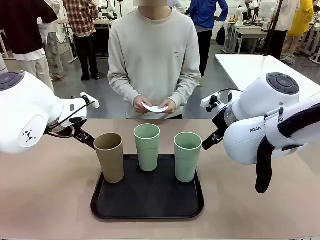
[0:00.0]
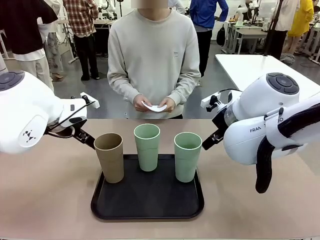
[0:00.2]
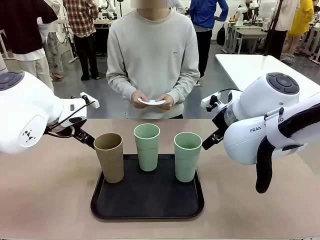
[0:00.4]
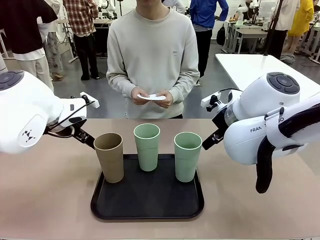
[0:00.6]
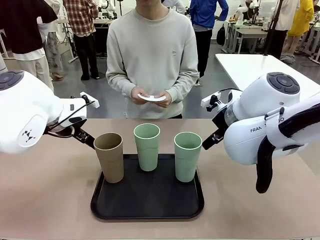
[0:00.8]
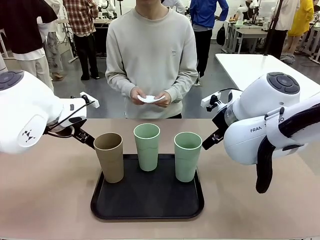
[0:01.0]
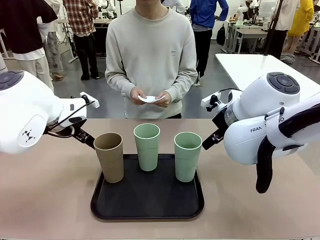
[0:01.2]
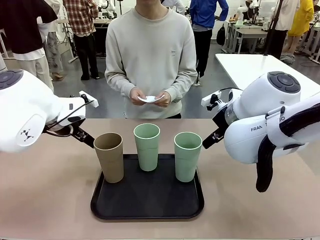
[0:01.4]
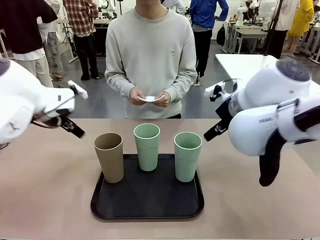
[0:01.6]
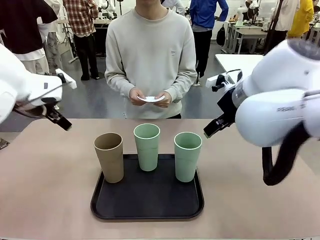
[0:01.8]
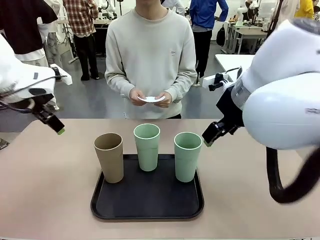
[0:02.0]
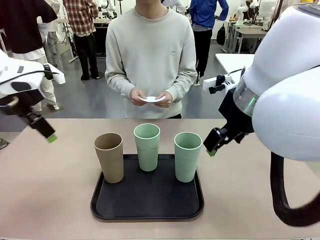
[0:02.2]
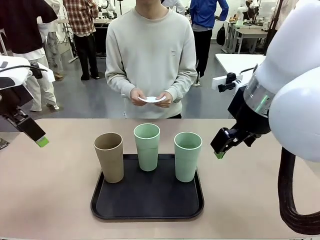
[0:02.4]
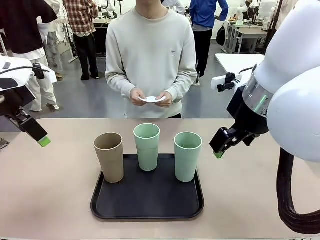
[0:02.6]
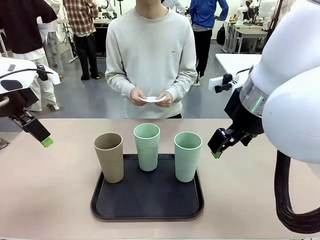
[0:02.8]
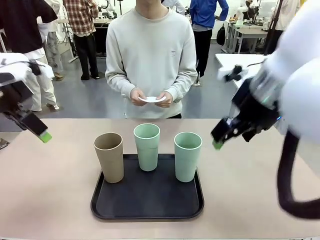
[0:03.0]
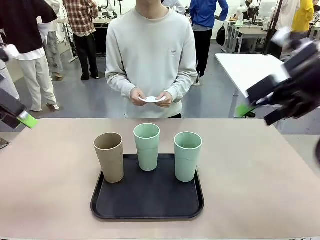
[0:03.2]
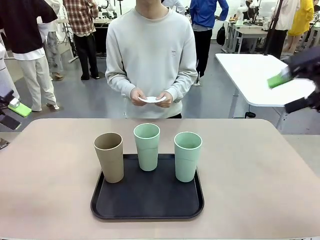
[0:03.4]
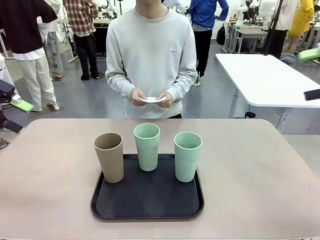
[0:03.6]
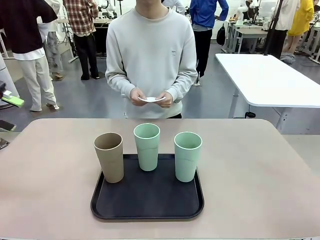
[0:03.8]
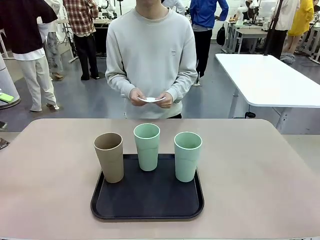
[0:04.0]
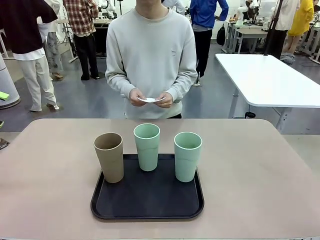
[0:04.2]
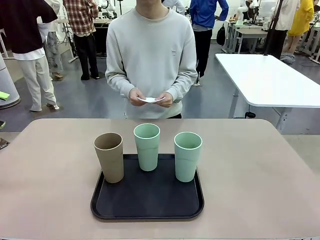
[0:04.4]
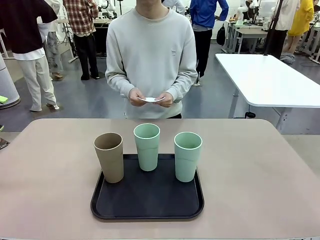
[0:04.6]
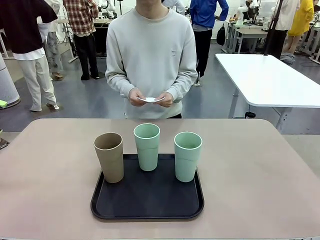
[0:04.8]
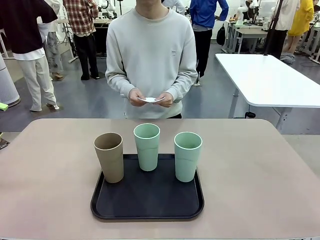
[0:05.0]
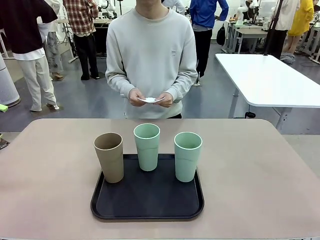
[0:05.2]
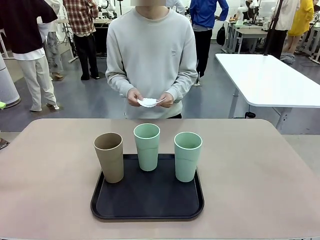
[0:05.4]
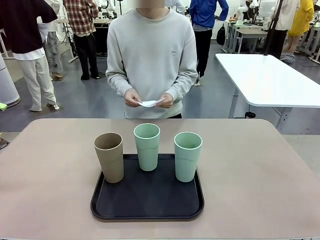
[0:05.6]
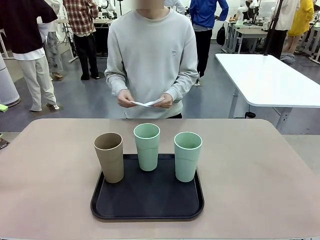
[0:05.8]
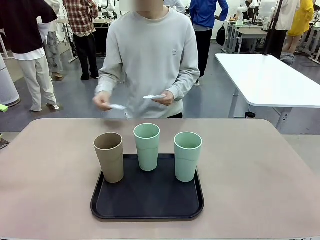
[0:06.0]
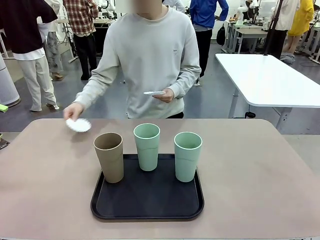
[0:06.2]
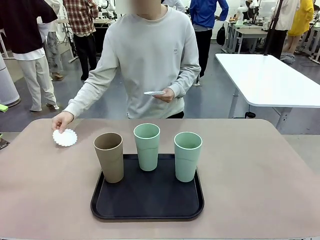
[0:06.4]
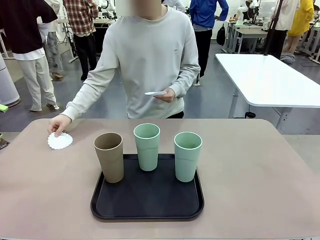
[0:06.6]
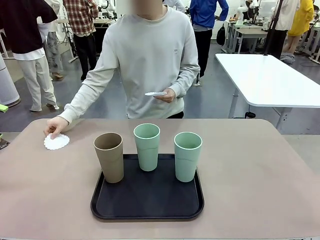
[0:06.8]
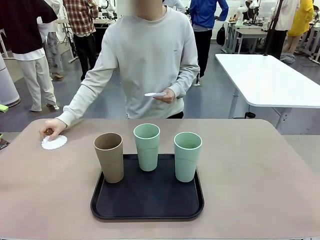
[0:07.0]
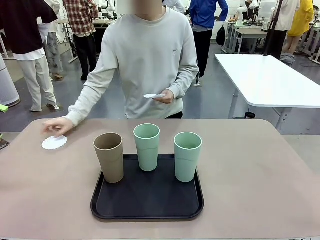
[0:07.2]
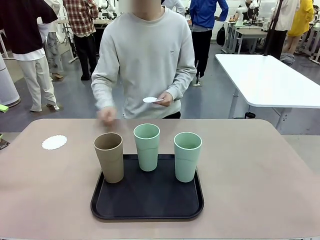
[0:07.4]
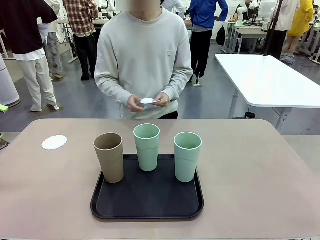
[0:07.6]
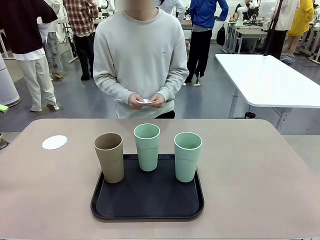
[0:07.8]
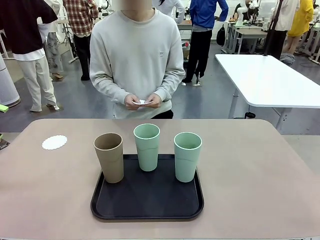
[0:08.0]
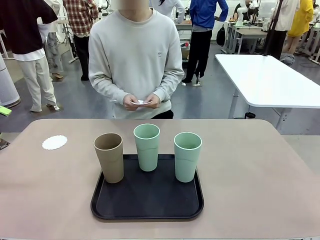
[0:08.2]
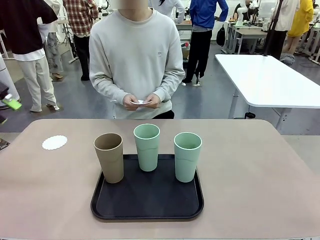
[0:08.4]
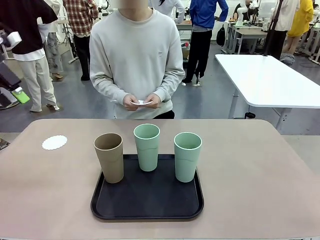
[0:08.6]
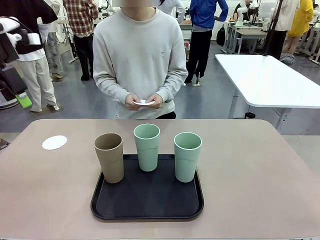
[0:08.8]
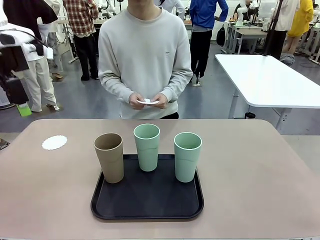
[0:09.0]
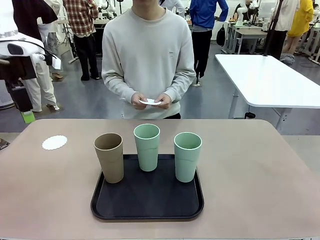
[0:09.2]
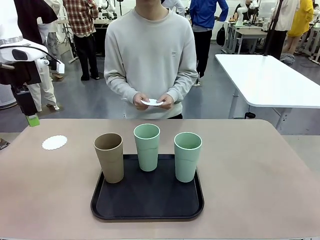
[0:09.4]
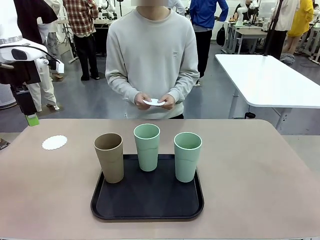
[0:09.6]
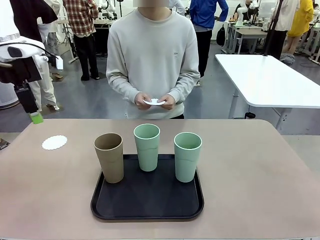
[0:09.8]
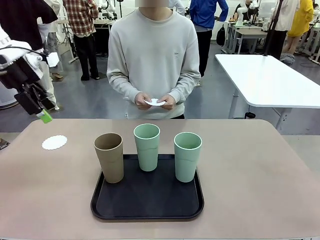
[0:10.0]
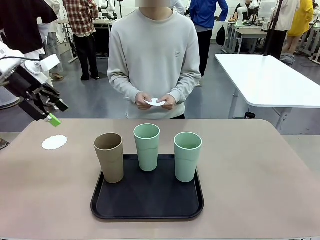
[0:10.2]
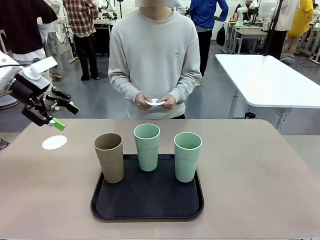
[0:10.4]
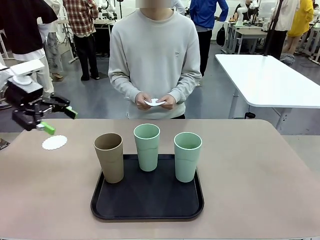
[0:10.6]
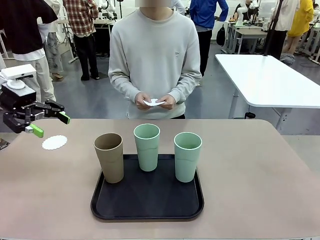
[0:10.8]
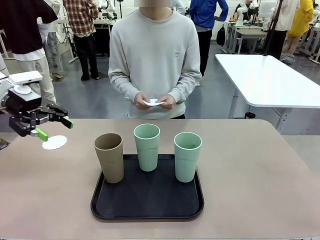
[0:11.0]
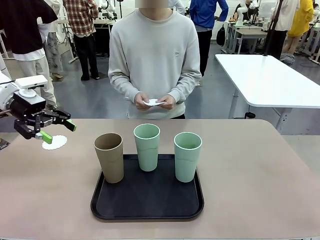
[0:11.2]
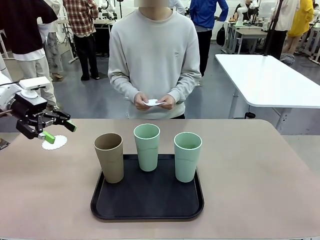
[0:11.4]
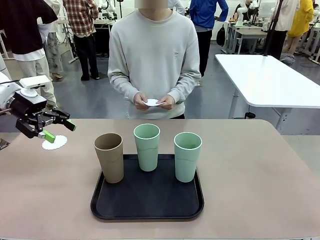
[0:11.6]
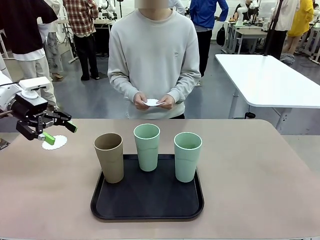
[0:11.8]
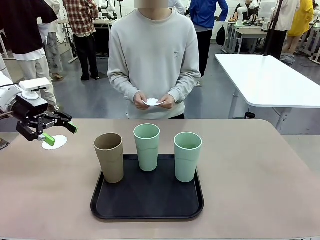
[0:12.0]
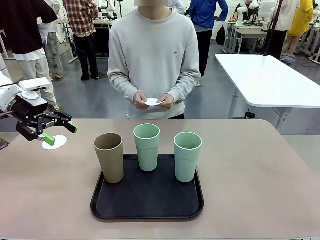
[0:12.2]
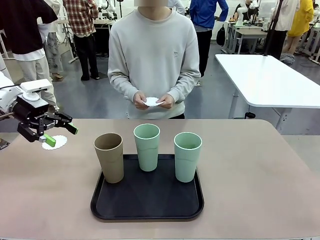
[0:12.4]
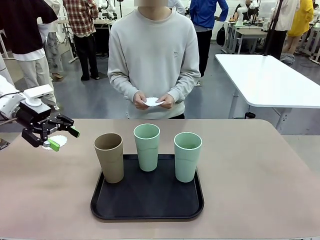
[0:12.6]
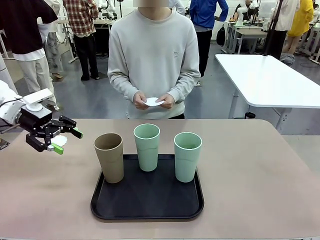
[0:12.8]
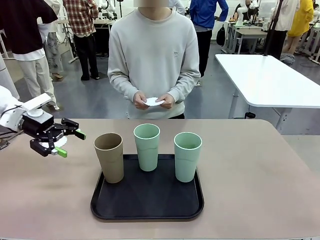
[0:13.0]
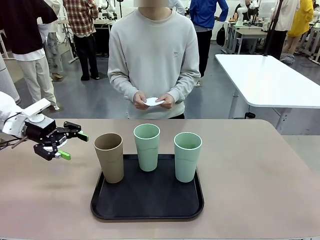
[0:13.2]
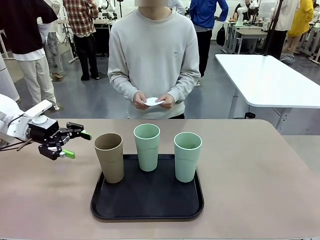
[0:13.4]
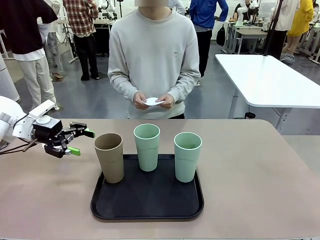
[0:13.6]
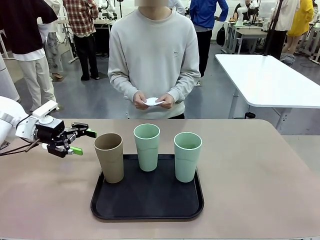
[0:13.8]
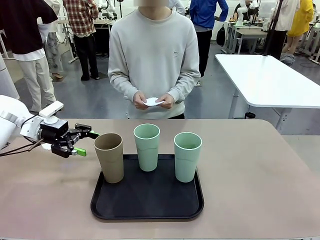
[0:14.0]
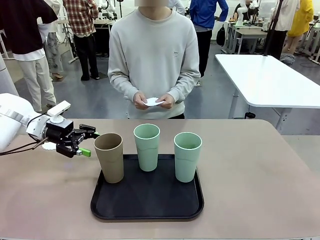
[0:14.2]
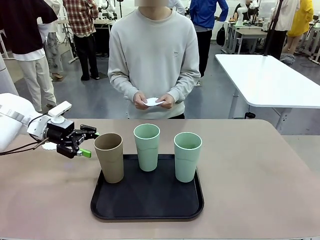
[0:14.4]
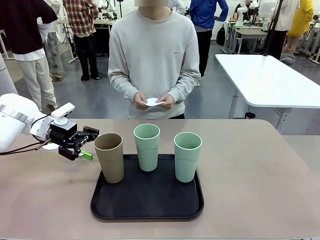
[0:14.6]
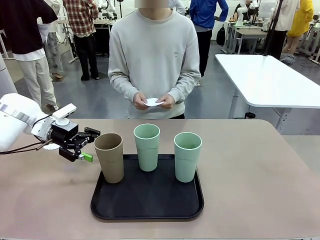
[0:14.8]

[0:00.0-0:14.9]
Task: Place coasters on the table and set cups on them.
Robot: Pick up one Reusable plastic cup and place it on a coaster set by the human.
Person: Place one coaster in any one of the three lower areas of the robot table (left, center, or right).

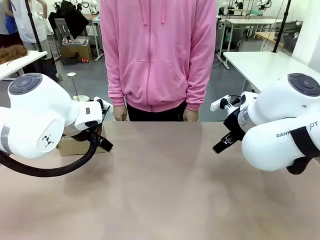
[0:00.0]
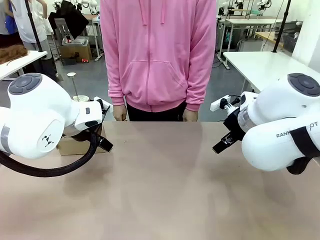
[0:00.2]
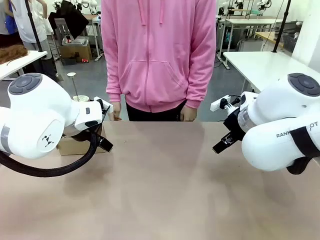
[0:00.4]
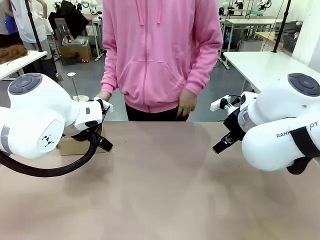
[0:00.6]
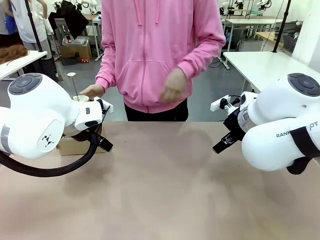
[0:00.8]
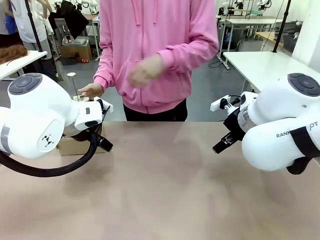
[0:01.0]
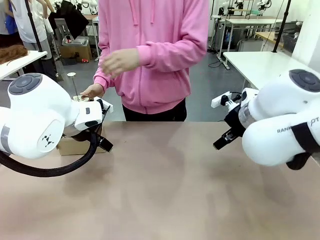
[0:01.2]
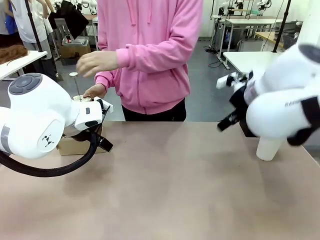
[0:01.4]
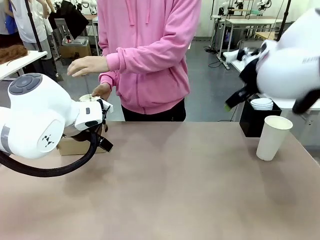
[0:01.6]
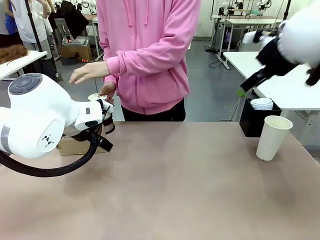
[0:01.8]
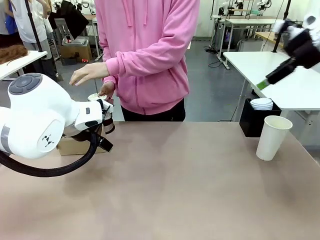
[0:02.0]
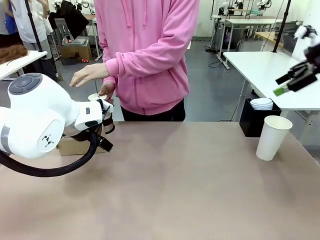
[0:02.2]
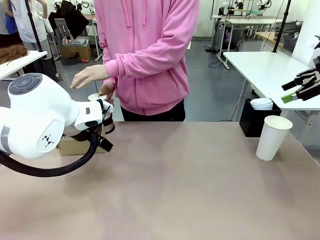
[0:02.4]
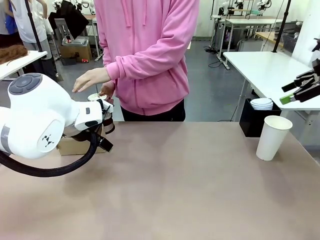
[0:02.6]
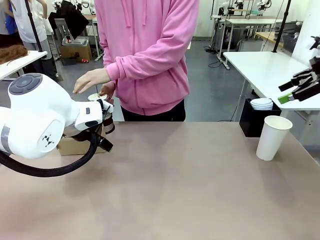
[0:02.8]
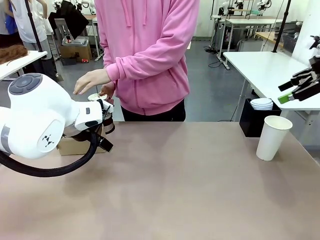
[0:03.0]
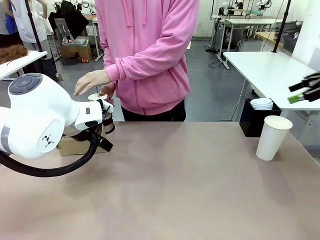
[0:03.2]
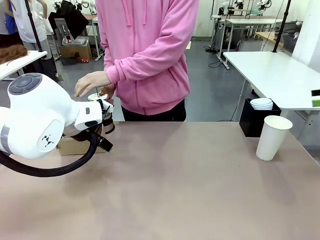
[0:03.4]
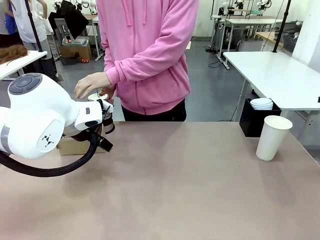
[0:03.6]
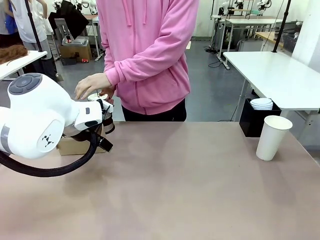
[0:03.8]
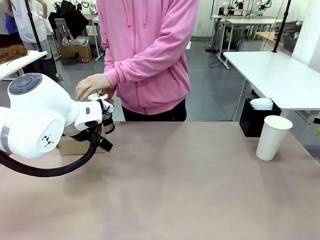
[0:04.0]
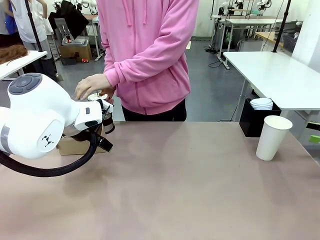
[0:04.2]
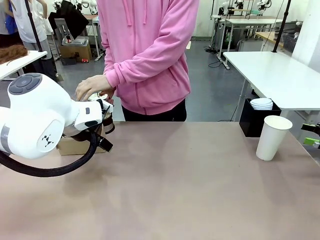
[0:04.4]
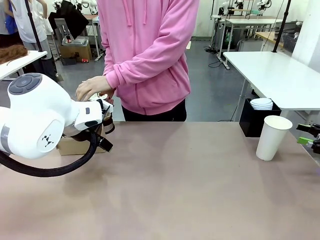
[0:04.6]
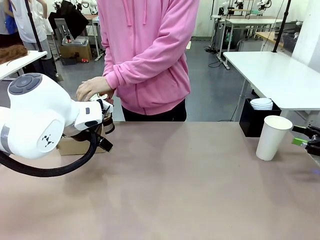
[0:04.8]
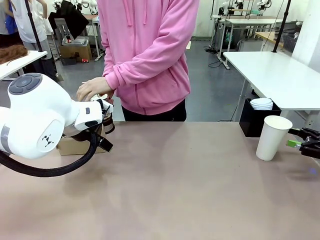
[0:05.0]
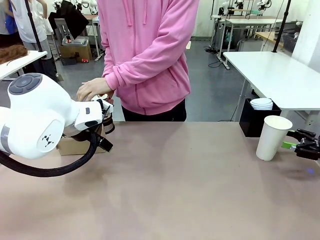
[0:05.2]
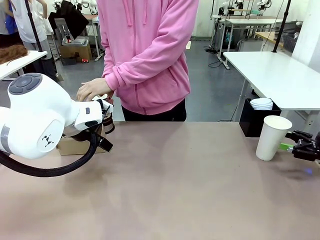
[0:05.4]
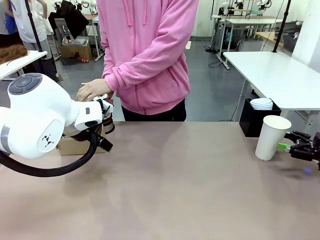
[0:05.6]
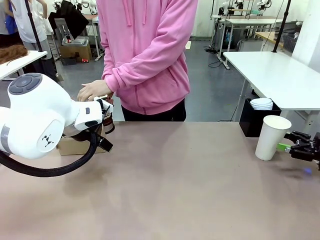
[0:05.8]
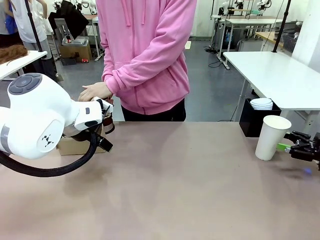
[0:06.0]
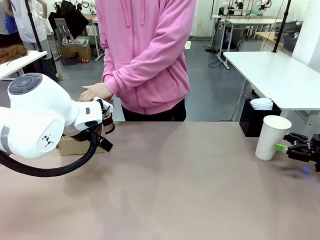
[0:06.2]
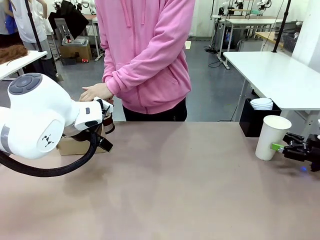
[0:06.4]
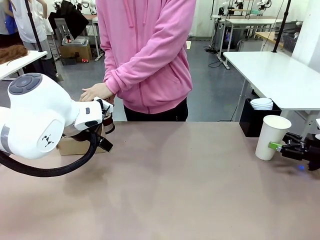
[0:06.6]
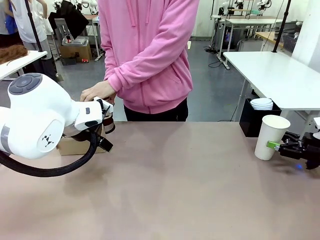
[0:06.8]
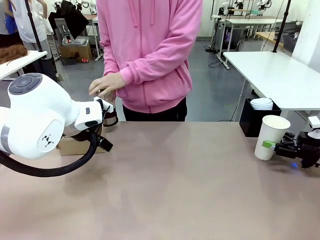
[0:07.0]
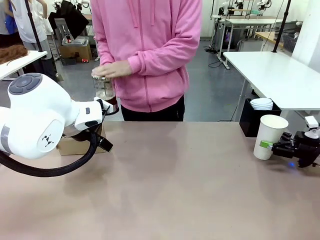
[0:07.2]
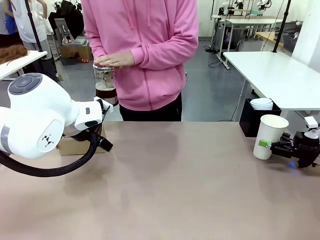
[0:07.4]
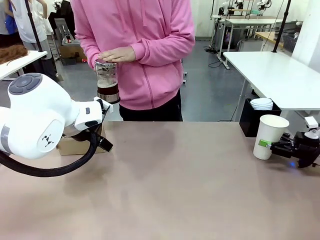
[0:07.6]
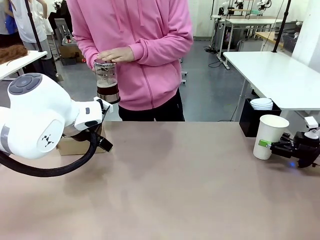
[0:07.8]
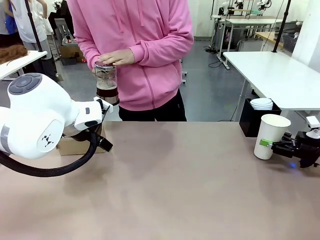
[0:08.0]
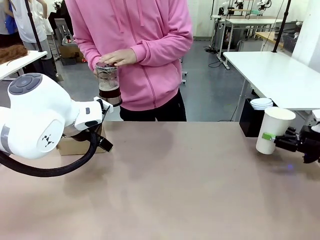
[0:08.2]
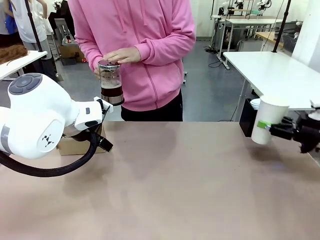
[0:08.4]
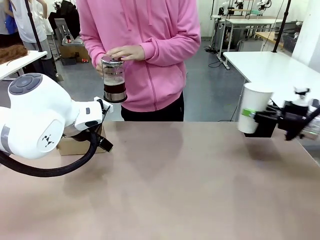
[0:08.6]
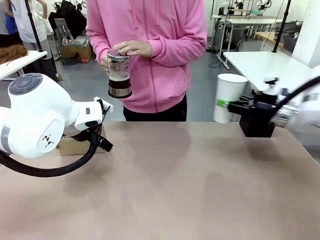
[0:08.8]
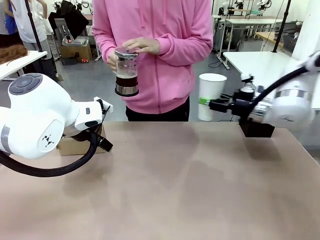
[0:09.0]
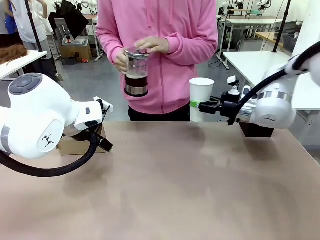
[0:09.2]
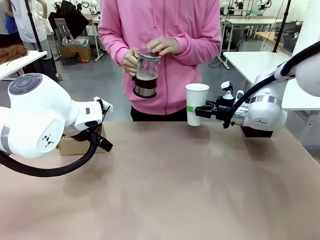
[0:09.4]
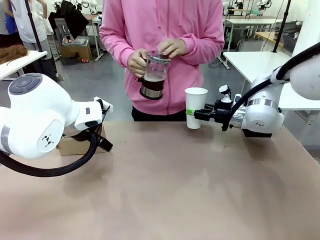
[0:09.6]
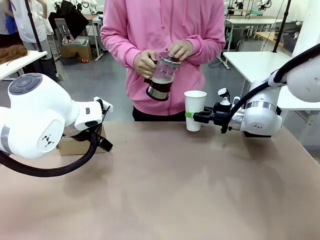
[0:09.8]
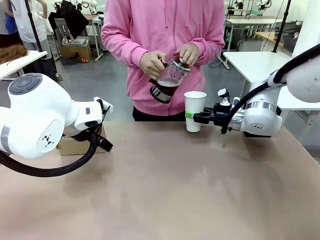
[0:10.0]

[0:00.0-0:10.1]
Task: Pour a drink into a cup and package it in a carrier.
Robot: Pick up the 600 ml Paper Cup and place it in the middle top area of the table.
Person: Press and pick up the Filter Brewing.
